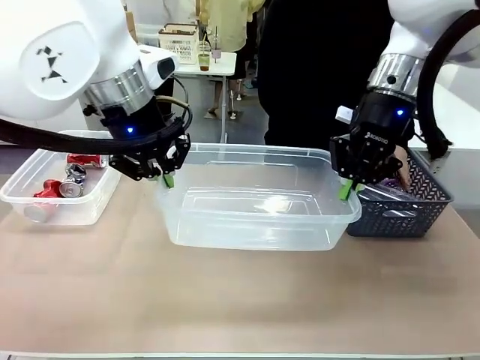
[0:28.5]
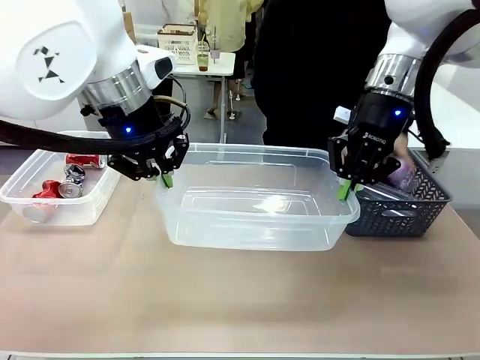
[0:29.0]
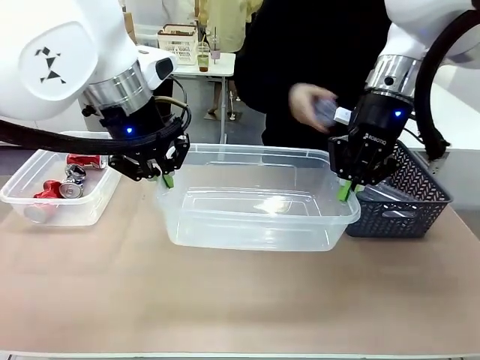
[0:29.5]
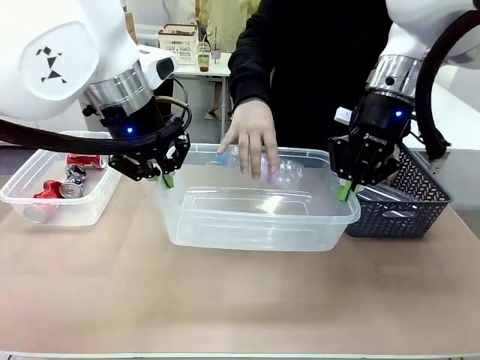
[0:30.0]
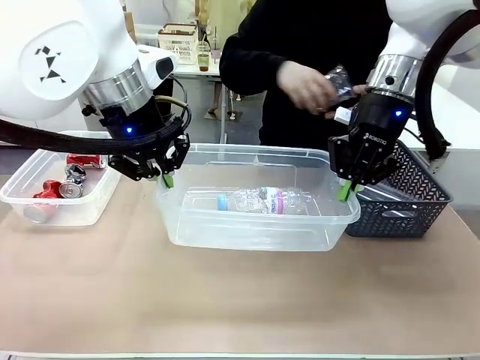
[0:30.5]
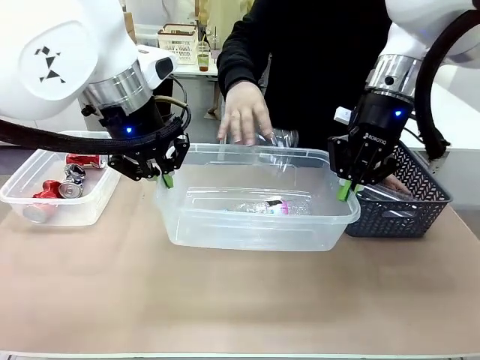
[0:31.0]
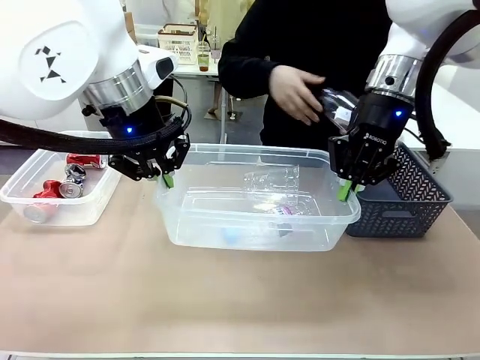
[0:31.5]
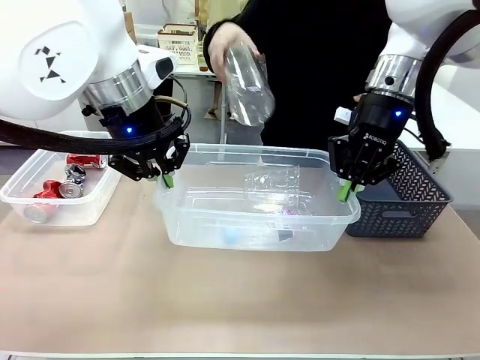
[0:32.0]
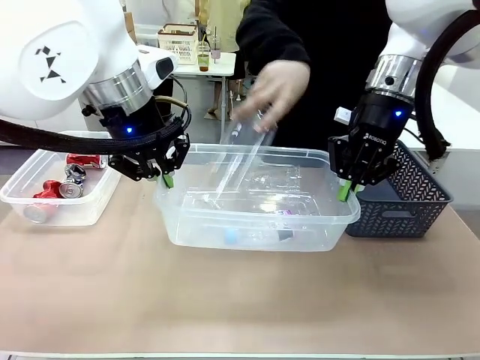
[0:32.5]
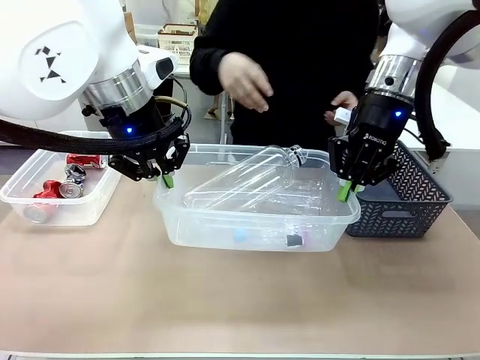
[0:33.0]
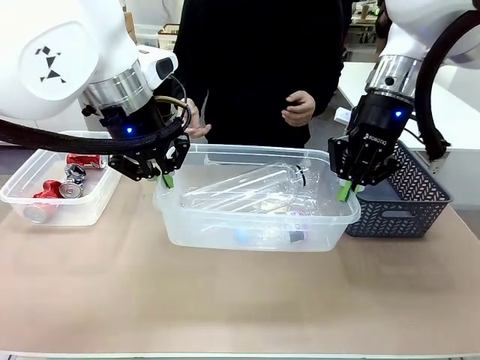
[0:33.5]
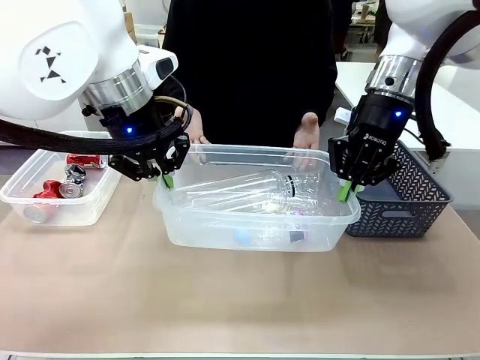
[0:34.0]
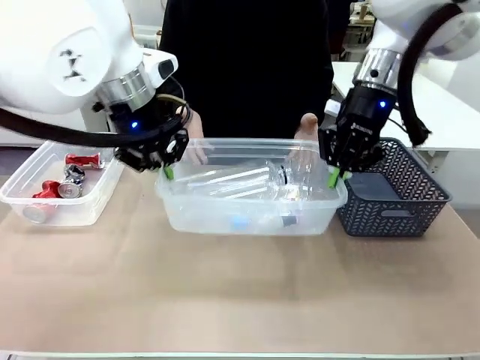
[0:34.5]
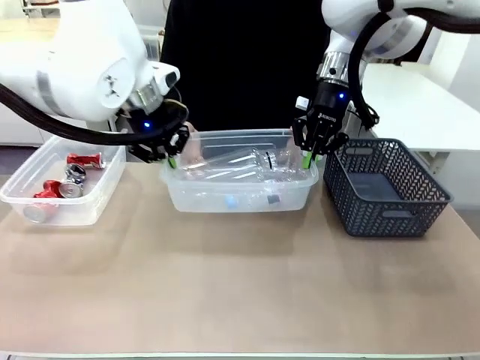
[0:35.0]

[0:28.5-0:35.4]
Robot: Offer the picked Organizing box to the human.
Person: Pick up plastic waste one by one and place it into the organizing box lifted by the robot.

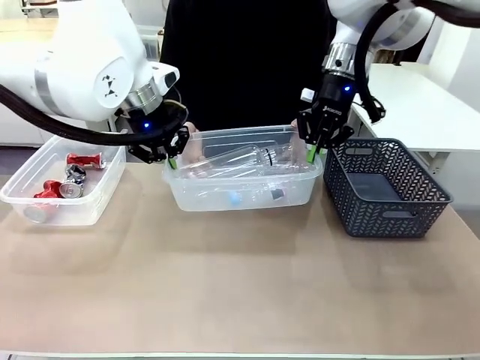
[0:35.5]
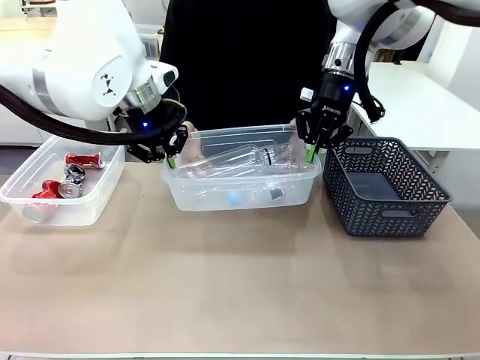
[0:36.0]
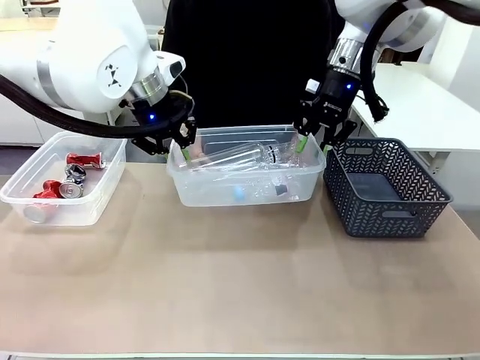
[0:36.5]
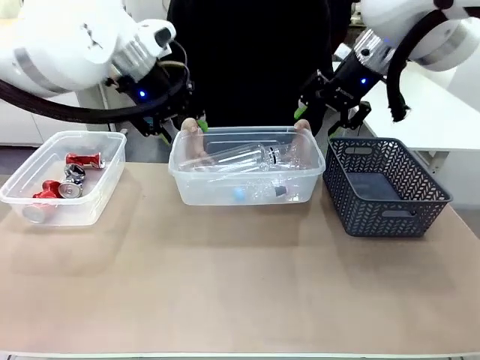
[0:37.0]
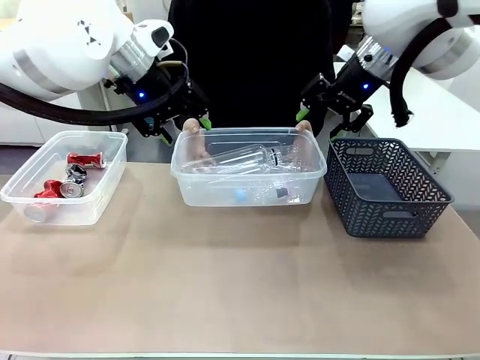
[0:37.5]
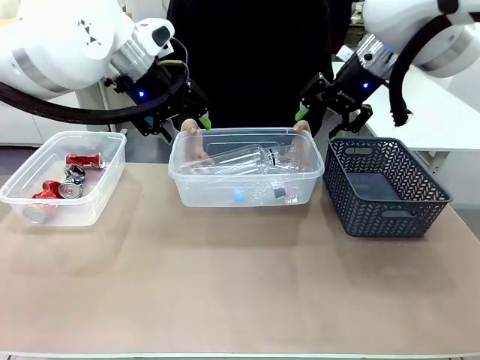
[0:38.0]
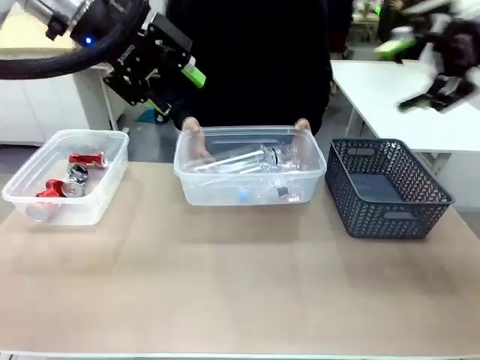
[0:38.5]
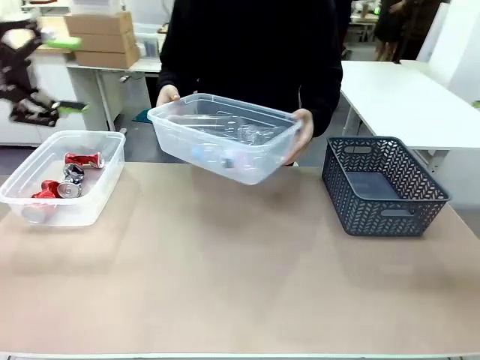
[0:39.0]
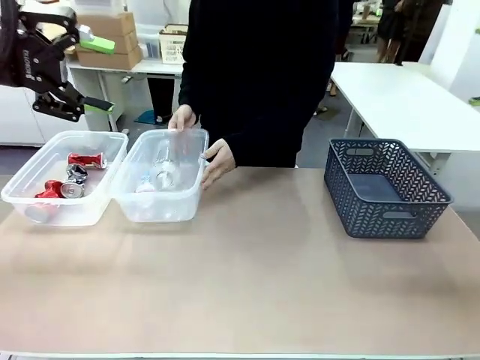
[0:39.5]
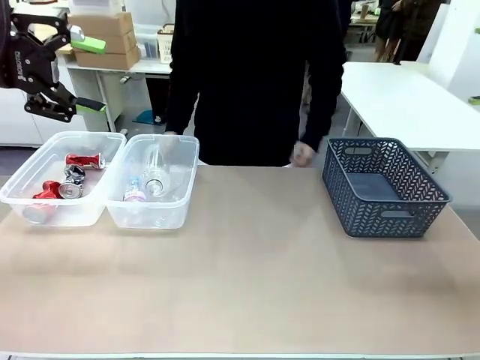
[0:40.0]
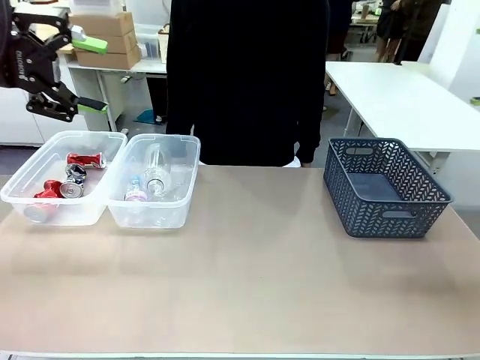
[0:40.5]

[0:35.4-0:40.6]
Robot: Release the Organizing box you were holding.
Person: Pick up the organizing box extended by the robot. Place the organizing box to the left of the sorting box containing the can waste.

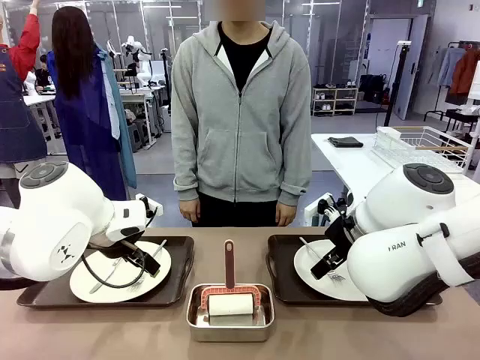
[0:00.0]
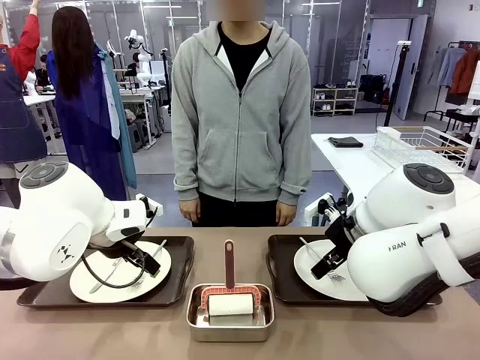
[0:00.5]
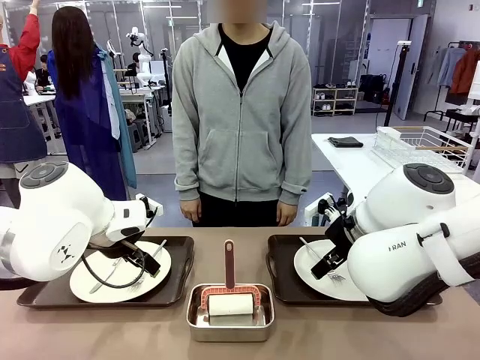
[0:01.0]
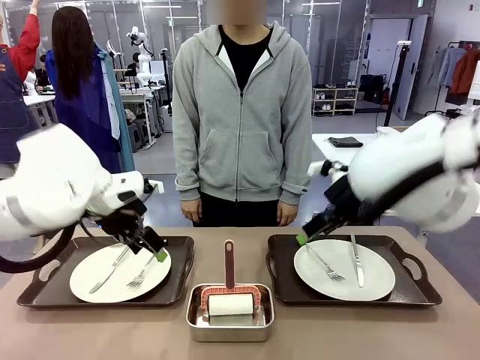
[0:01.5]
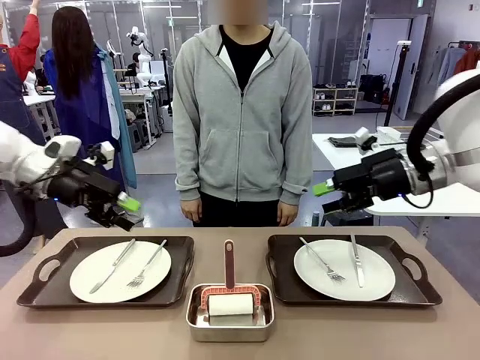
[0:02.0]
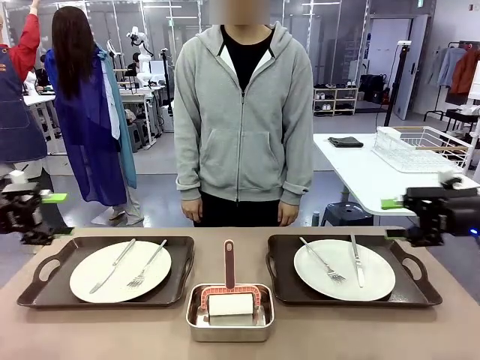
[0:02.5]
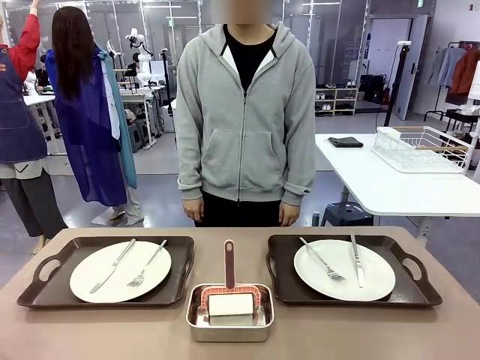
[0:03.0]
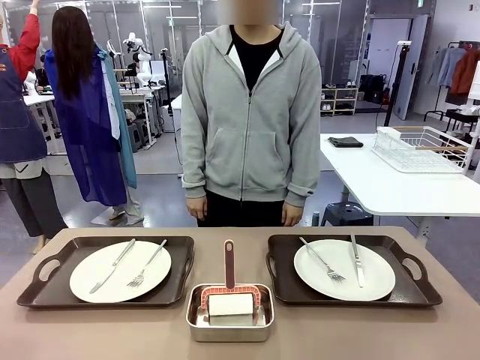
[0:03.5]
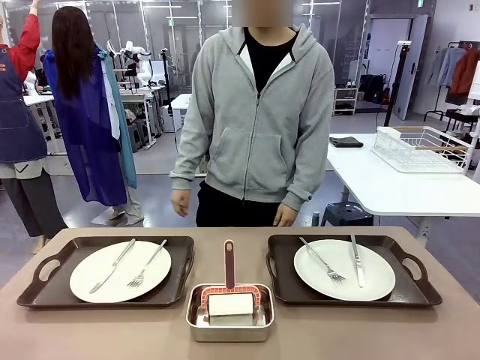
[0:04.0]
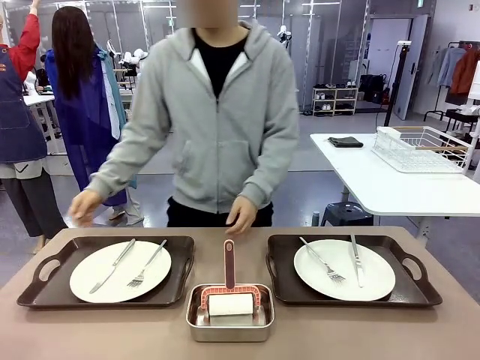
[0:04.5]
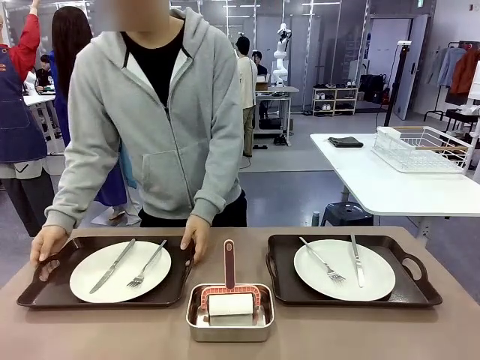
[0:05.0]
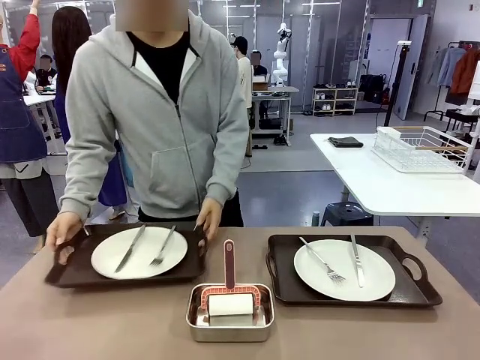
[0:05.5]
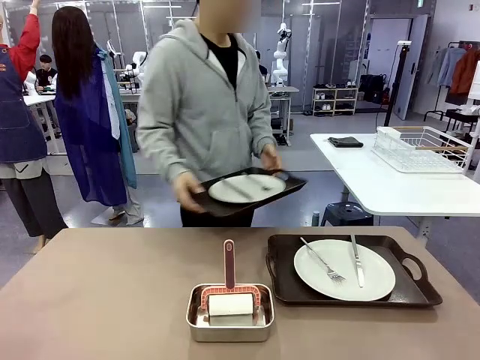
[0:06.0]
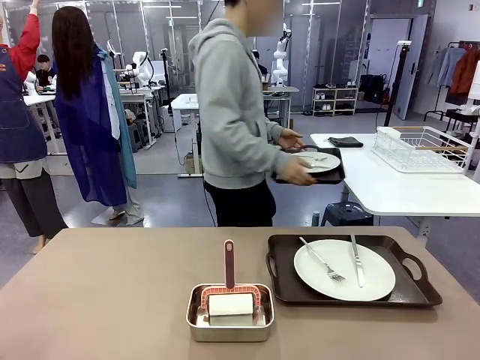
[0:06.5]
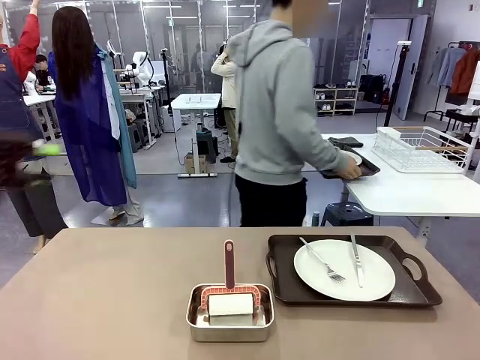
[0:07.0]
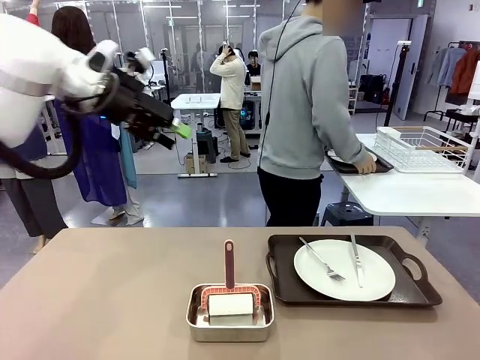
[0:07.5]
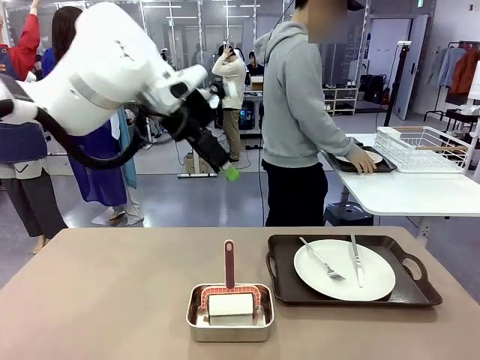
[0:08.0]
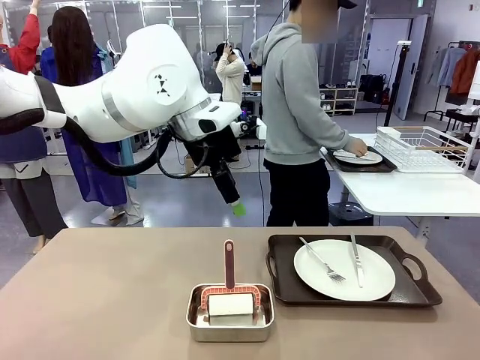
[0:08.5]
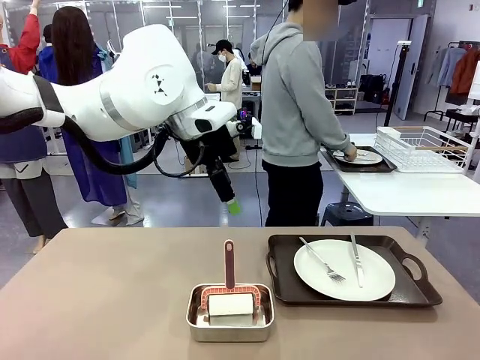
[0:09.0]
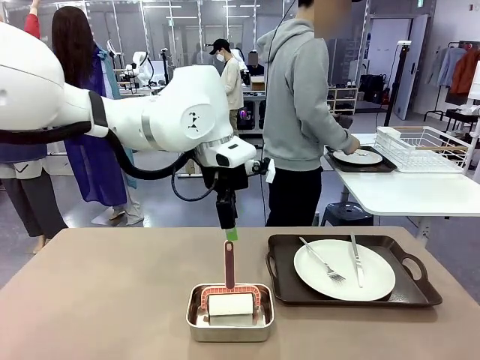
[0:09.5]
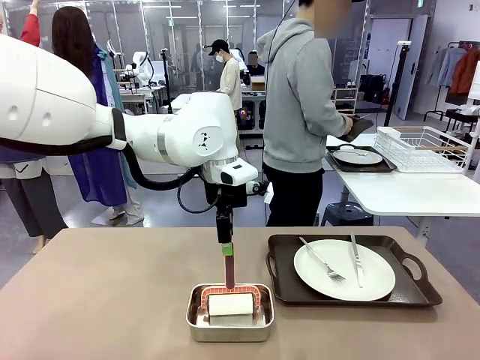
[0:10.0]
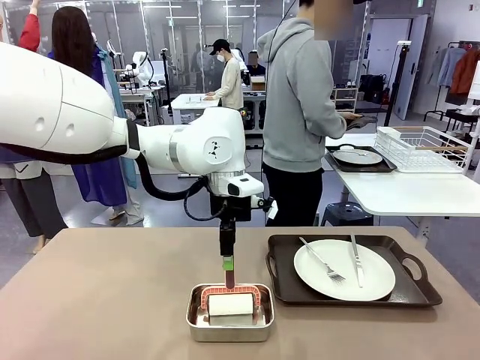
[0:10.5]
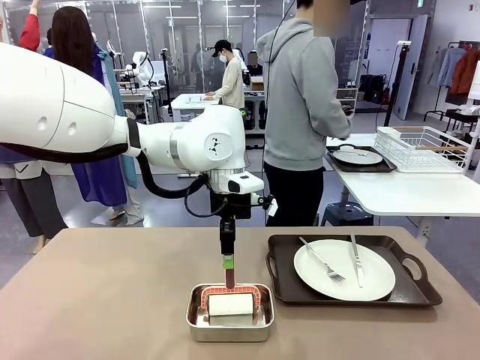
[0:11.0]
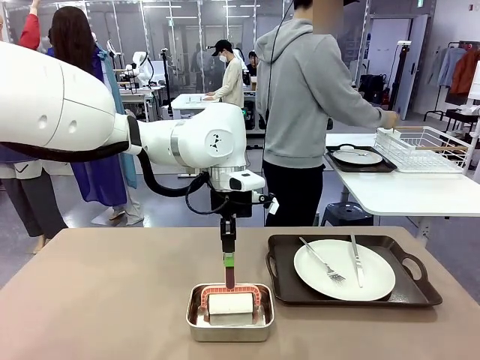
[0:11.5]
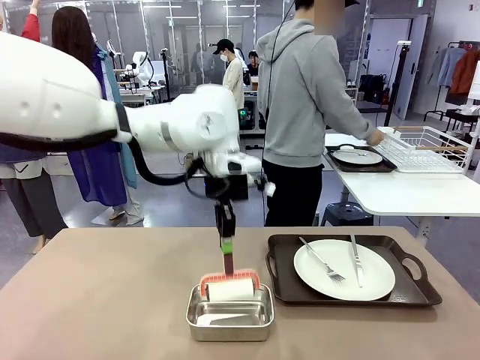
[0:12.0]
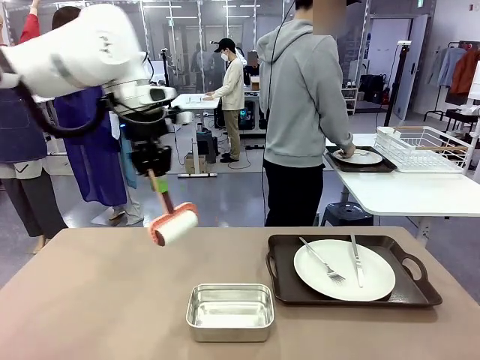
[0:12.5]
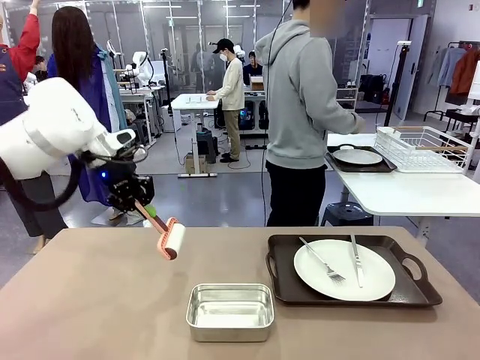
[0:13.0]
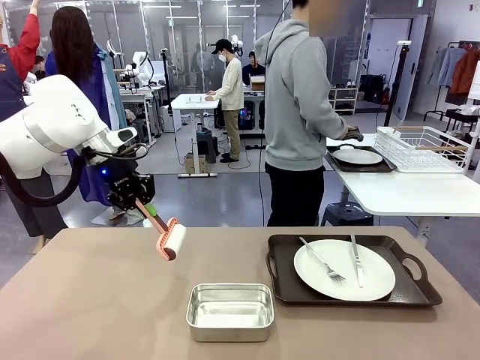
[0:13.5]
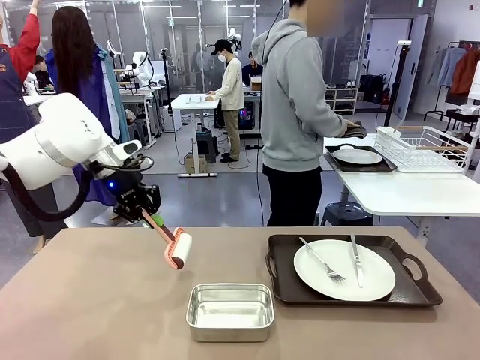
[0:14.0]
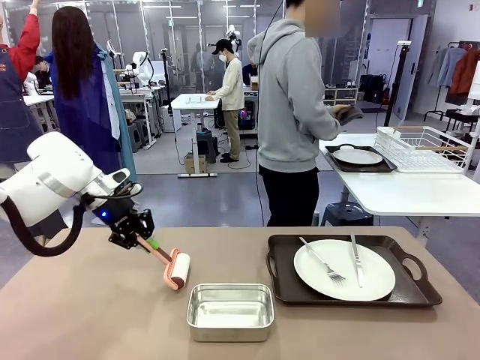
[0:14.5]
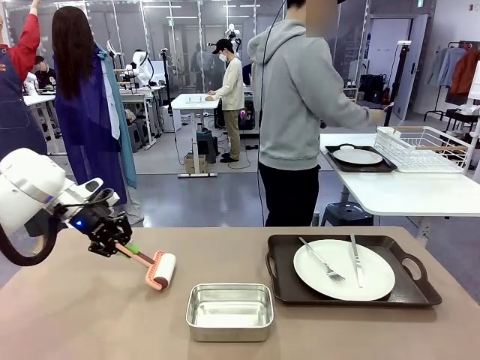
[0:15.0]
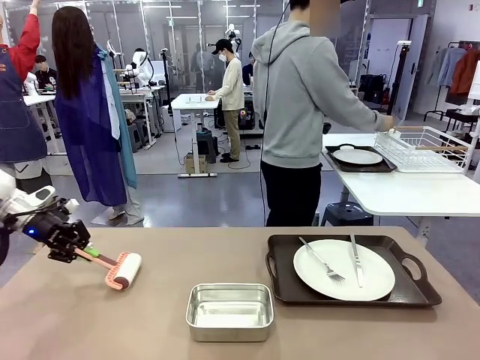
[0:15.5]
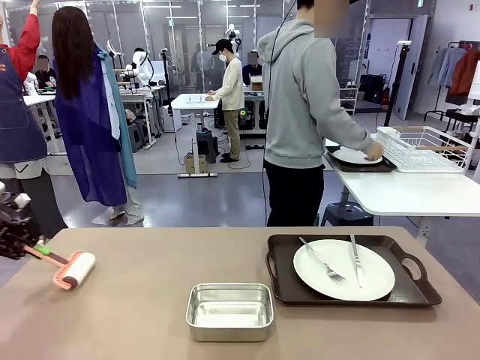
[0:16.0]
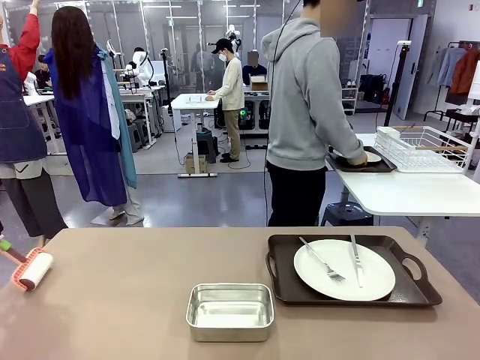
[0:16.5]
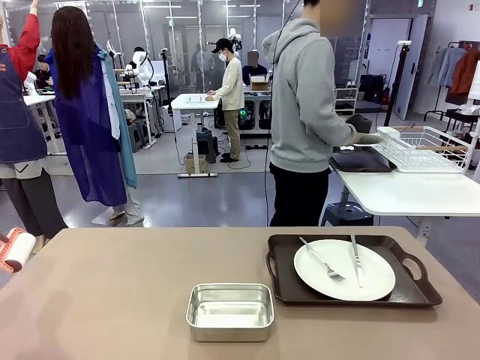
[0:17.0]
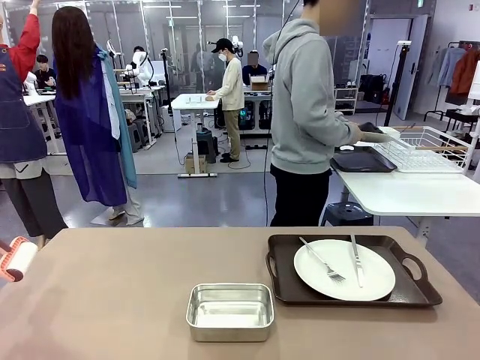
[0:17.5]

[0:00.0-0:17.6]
Robot: When the left (or right) Handle tray is removed, use the left hand (or right hand) to clean the left (or right) side of the table with the Lint Roller.
Person: Pick up the left (or right) Handle tray and place it on the middle of the Human's table. Use the Towel with hook to wipe the Plastic Matte Plate , Fork , and Knife and place into the Dish drying rack.
